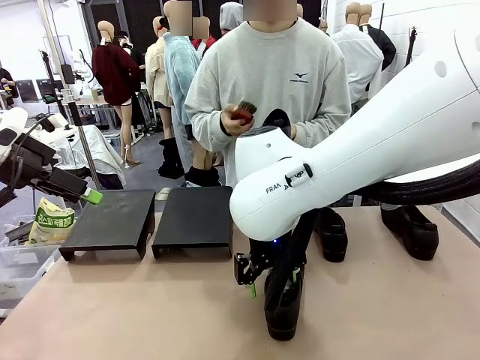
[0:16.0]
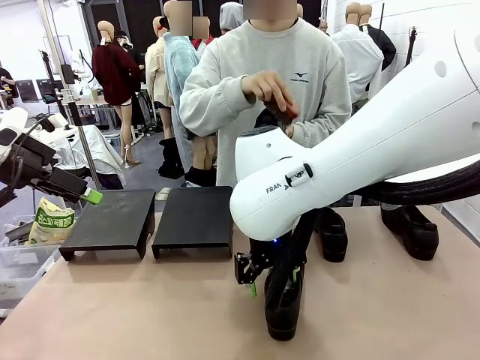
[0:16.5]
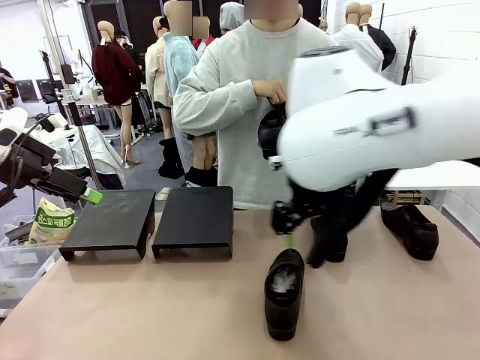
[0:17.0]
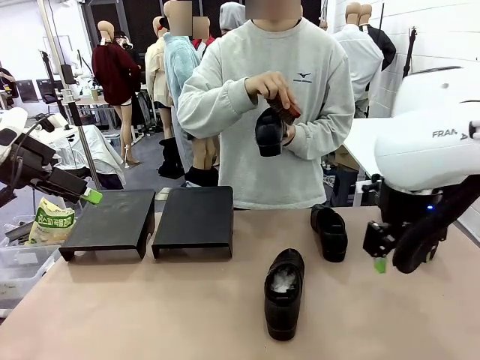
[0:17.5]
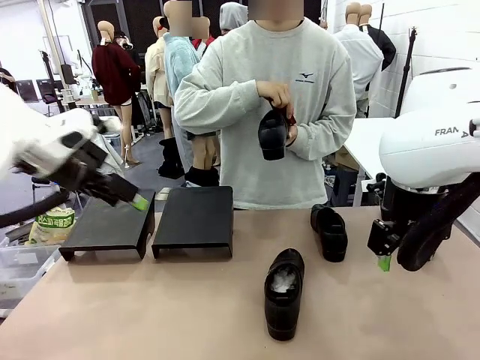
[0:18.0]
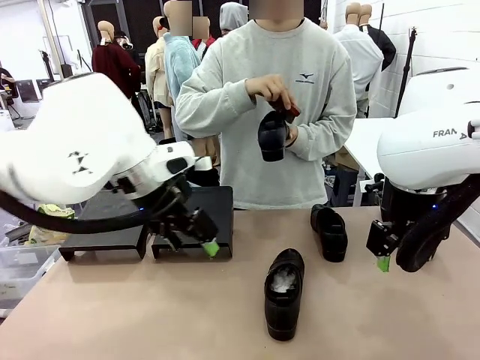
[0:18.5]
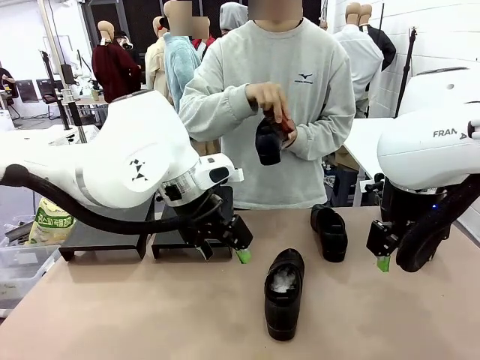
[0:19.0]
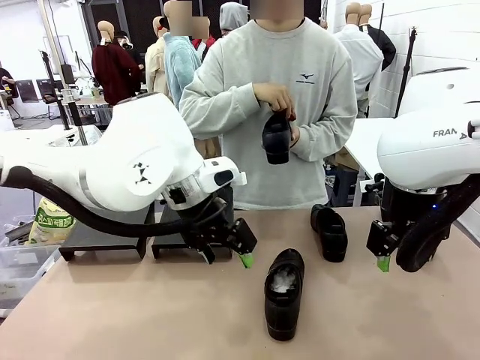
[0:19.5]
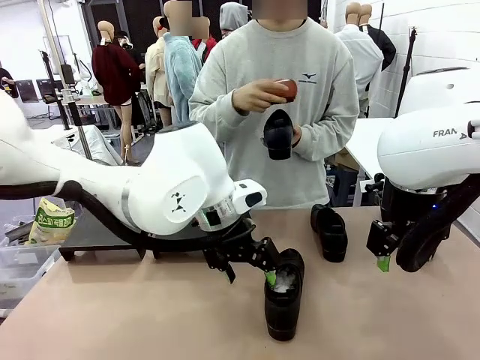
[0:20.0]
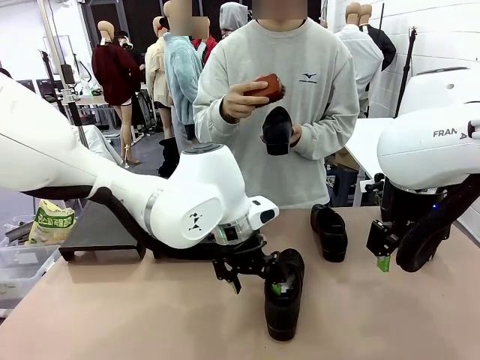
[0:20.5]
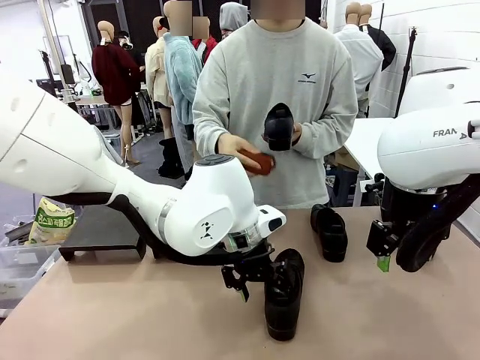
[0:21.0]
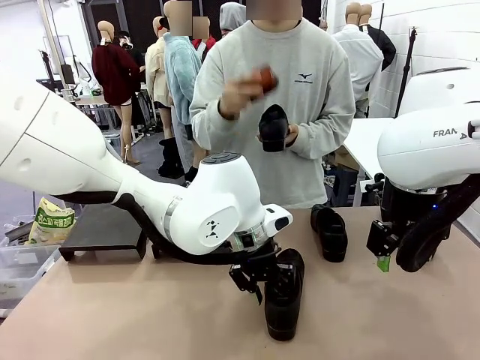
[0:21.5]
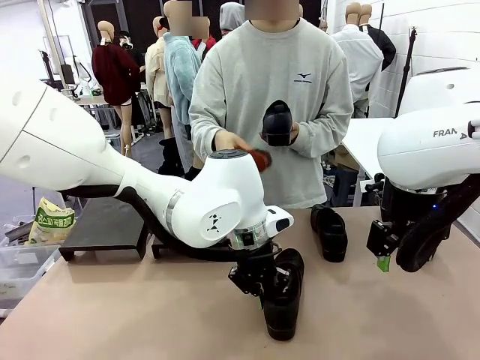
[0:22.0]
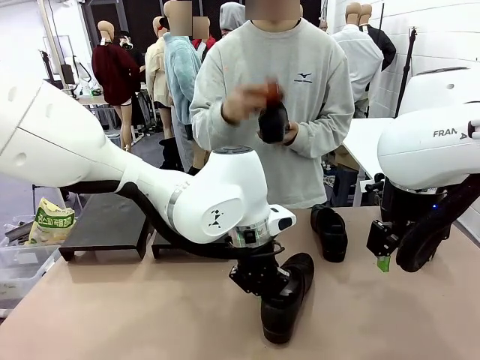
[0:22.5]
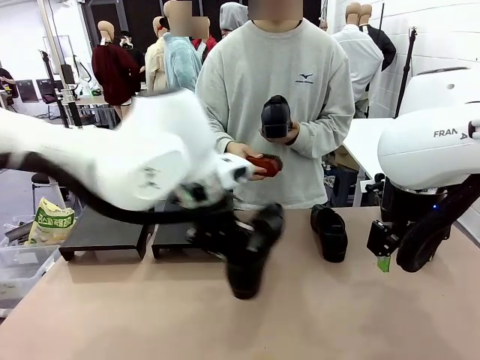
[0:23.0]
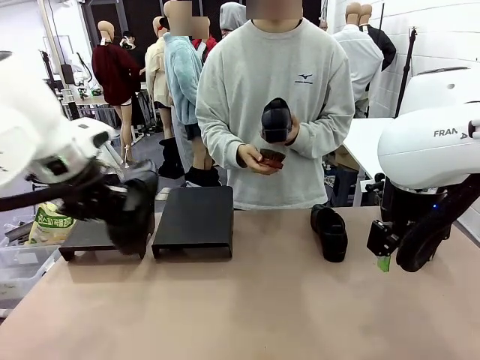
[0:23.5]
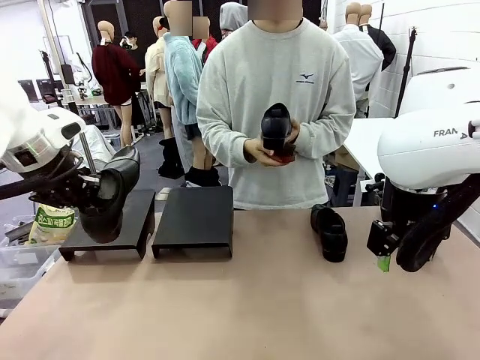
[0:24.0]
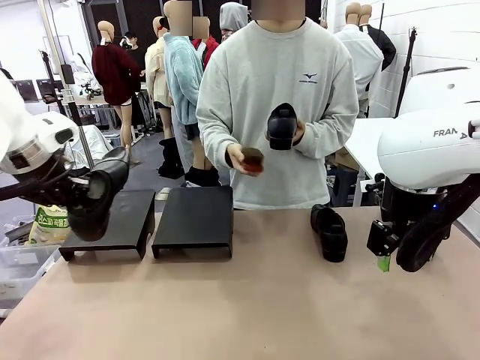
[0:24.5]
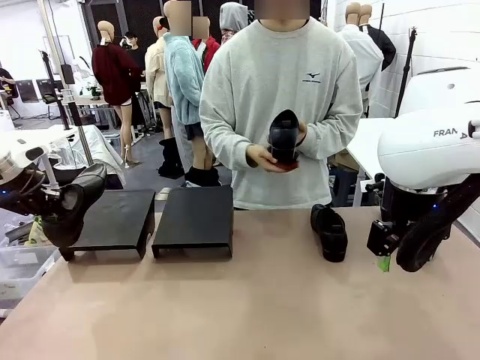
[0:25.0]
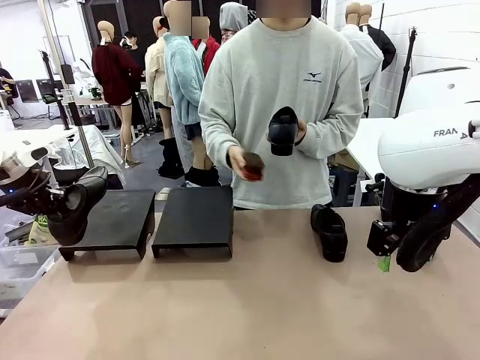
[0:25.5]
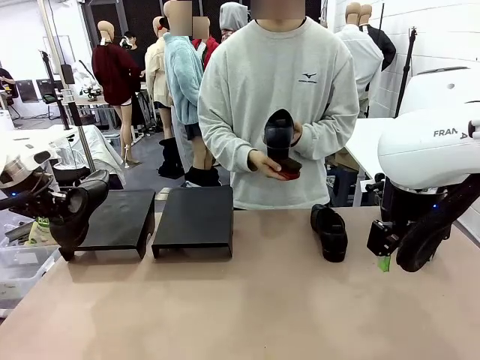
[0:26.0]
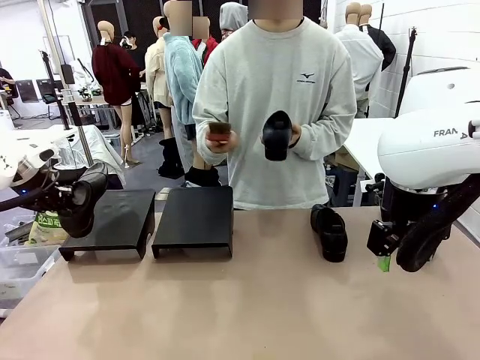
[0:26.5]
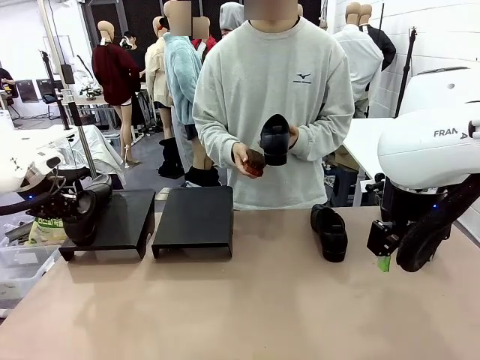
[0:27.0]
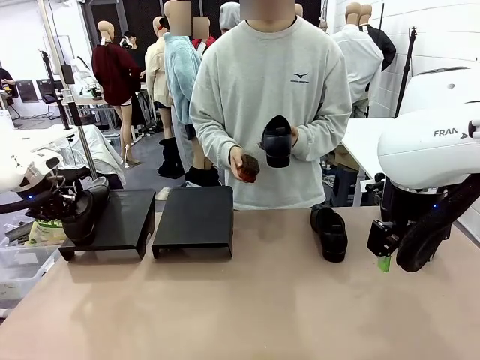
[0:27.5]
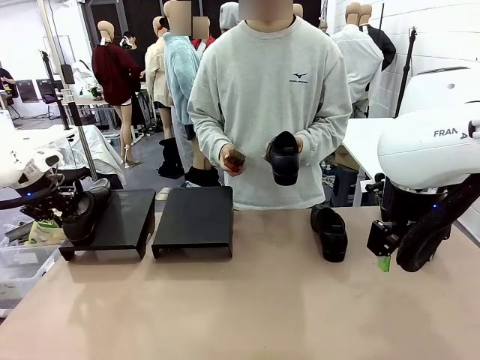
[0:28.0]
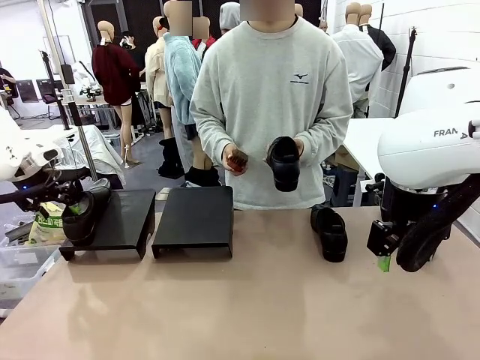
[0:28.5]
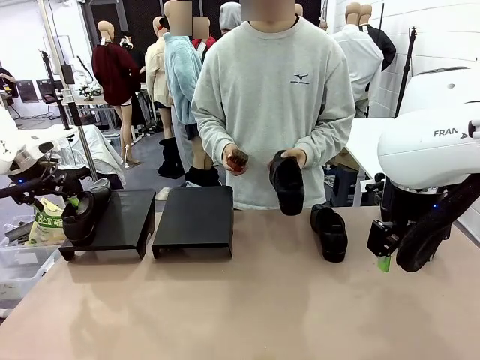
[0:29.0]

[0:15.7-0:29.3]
Task: Organize the shoes by placing them on the stand.
Robot: Place the Shoe from the middle of the table onto the Shoes Stand.
Person: Clean the Shoe with the Shoe Brush.

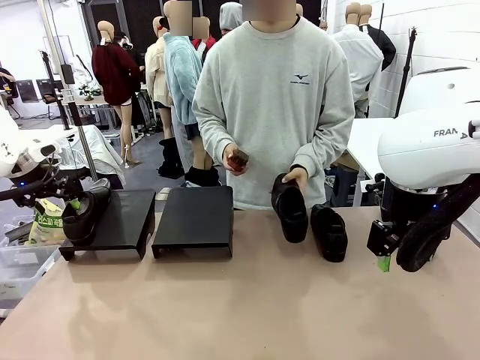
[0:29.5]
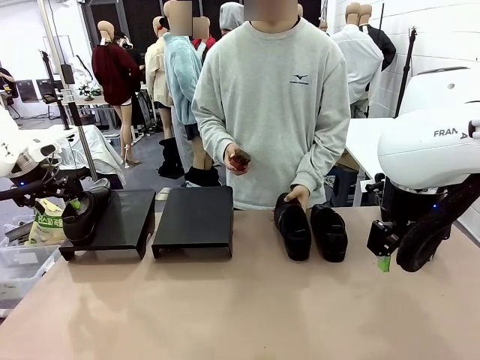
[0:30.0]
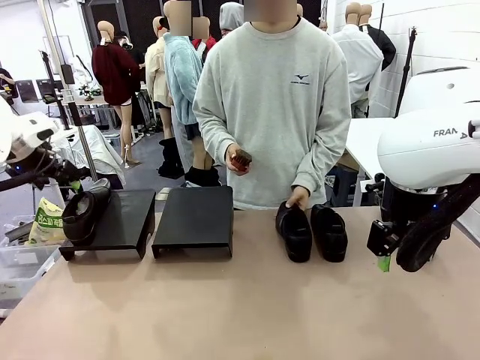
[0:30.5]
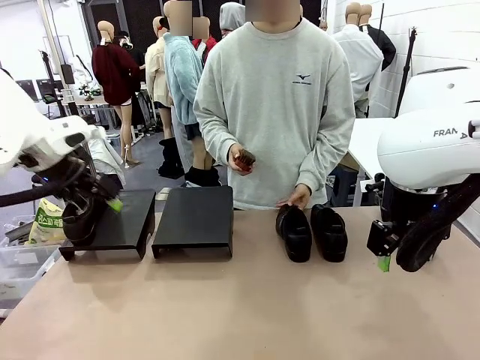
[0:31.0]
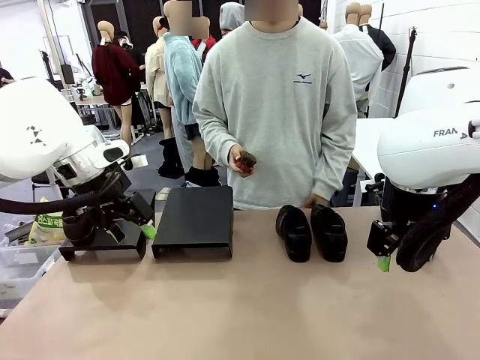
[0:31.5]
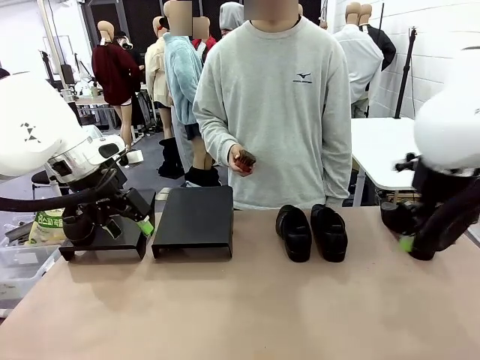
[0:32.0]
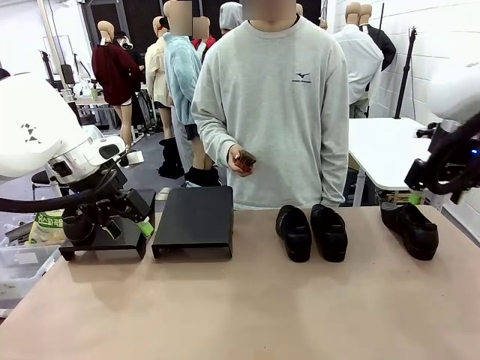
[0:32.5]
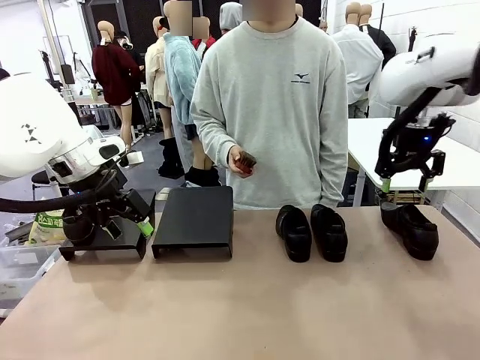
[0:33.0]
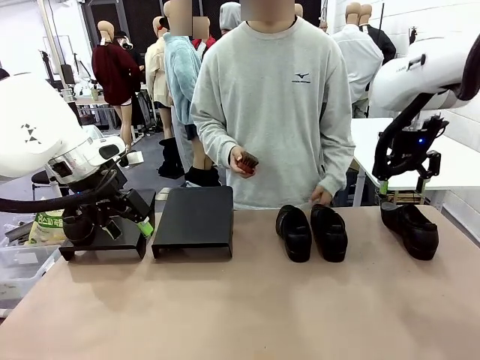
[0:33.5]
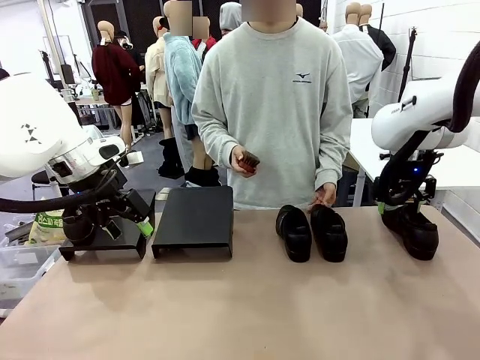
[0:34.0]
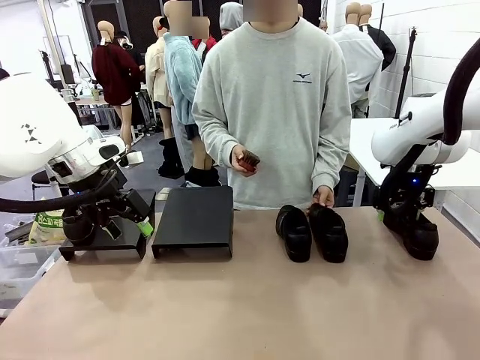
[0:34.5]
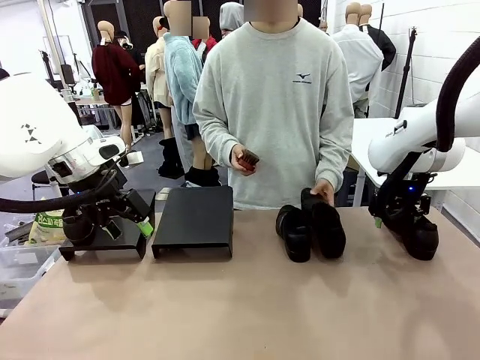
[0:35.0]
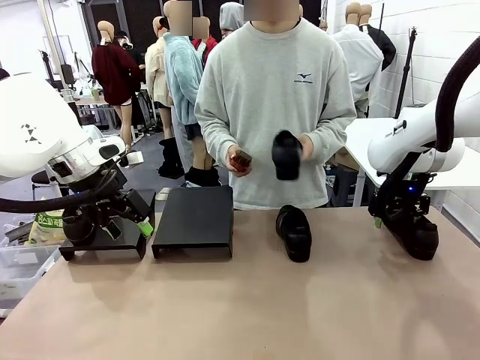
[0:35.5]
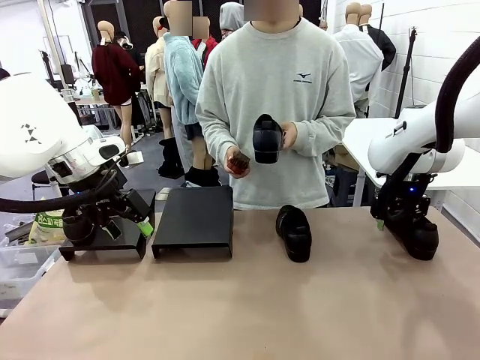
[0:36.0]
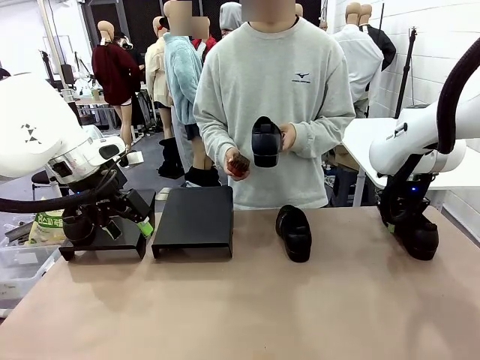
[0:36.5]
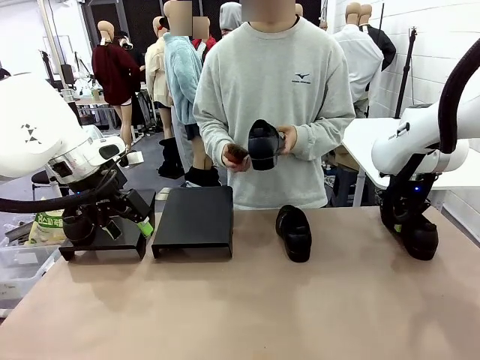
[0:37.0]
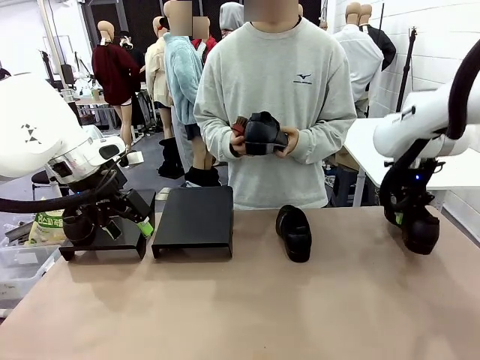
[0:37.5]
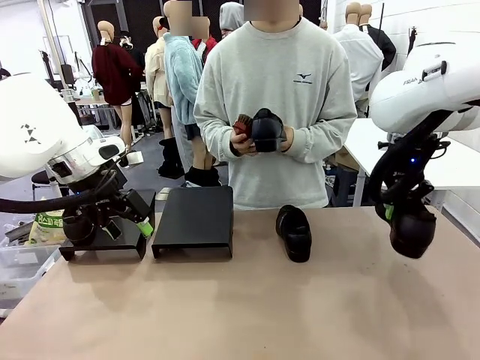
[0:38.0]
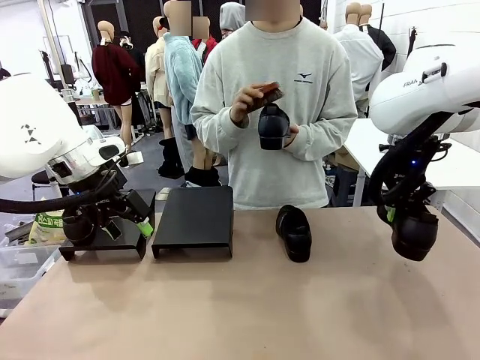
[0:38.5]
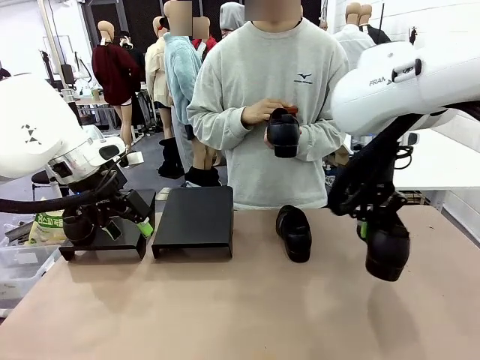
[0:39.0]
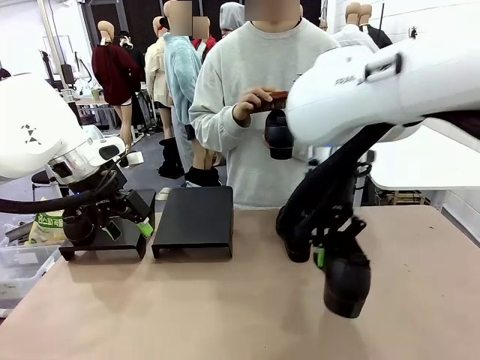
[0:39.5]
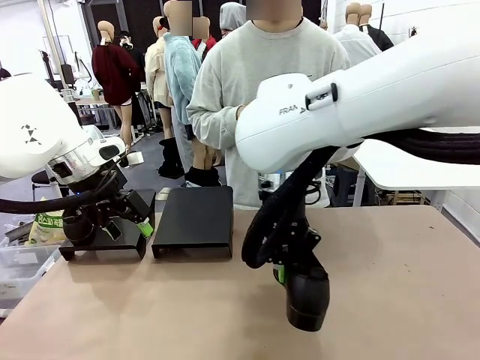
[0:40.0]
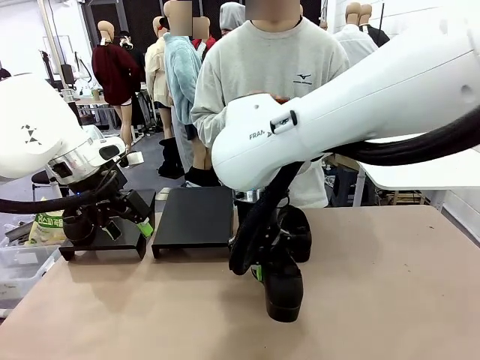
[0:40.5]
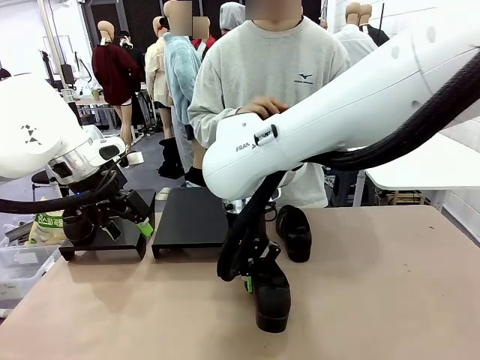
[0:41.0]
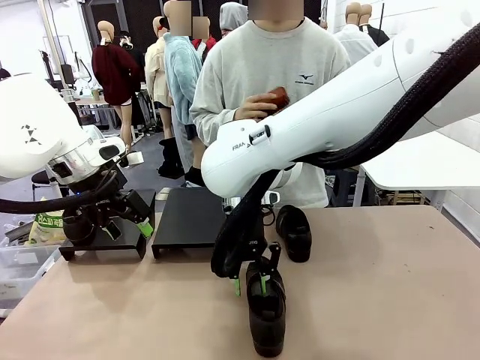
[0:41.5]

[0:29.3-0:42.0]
Robot: Pick up one Shoe and place it in the middle of the table.
Person: Place the Shoe on left side of the Robot's table. Pick one Shoe on Robot's table.
